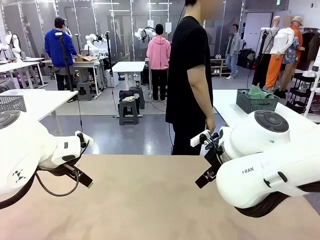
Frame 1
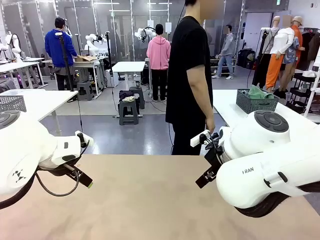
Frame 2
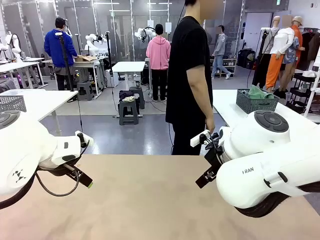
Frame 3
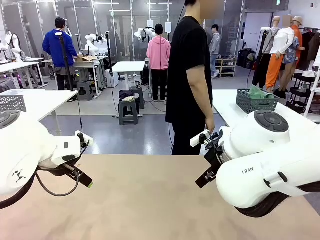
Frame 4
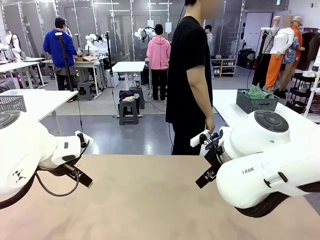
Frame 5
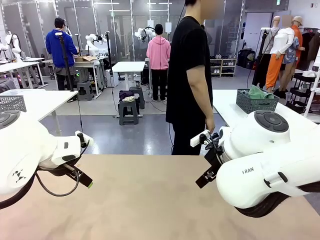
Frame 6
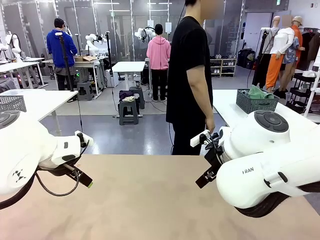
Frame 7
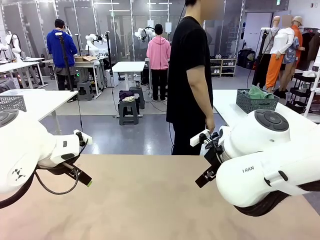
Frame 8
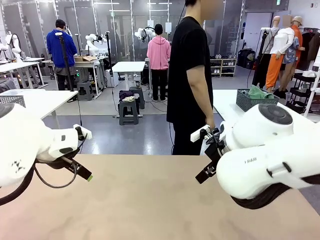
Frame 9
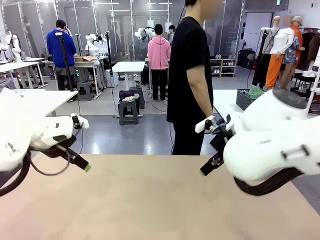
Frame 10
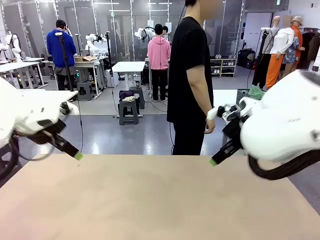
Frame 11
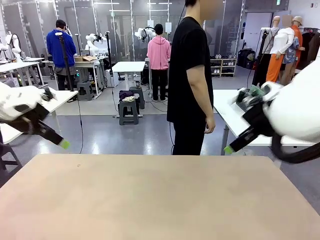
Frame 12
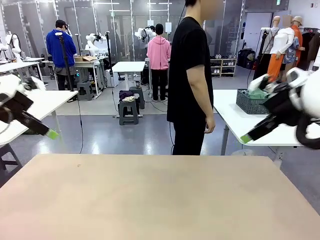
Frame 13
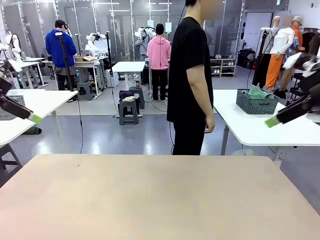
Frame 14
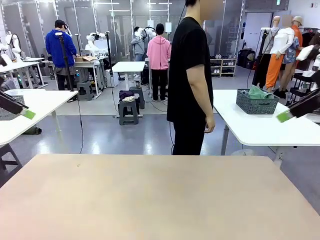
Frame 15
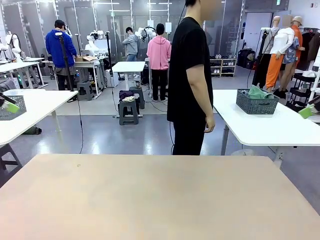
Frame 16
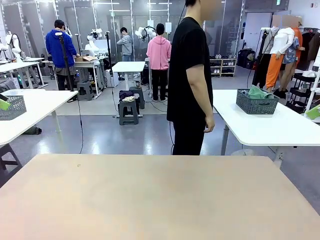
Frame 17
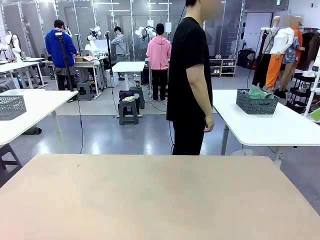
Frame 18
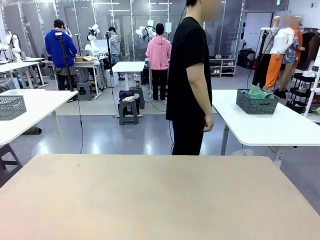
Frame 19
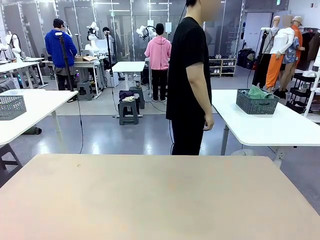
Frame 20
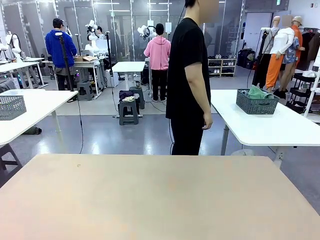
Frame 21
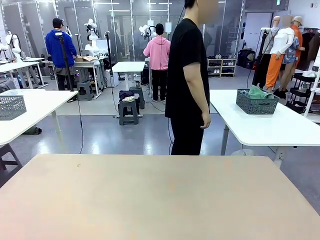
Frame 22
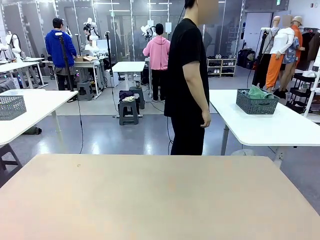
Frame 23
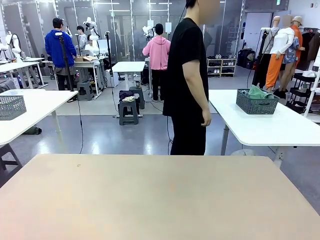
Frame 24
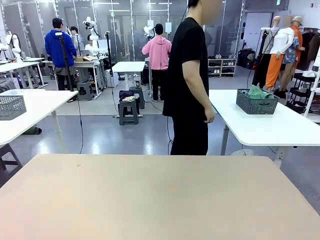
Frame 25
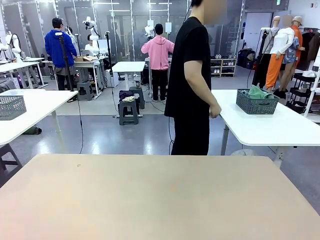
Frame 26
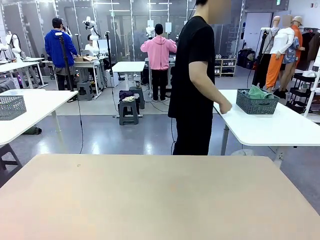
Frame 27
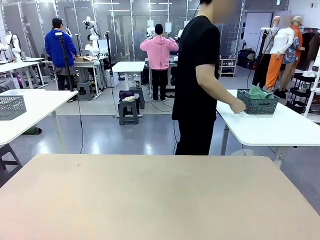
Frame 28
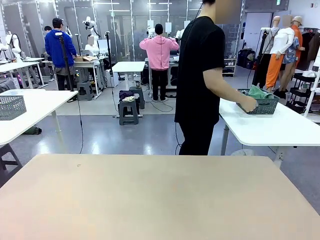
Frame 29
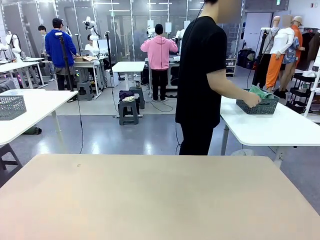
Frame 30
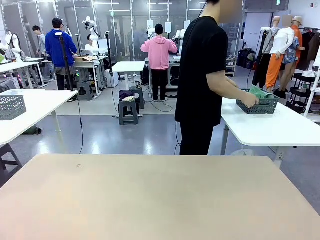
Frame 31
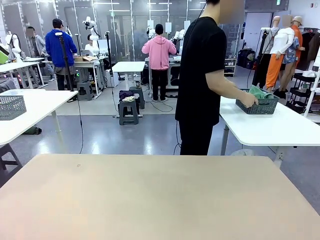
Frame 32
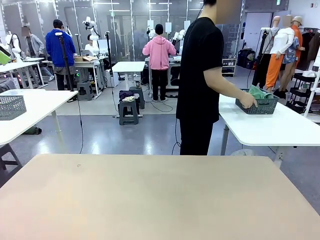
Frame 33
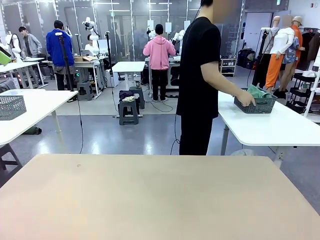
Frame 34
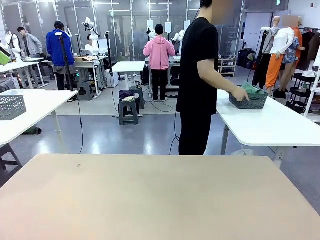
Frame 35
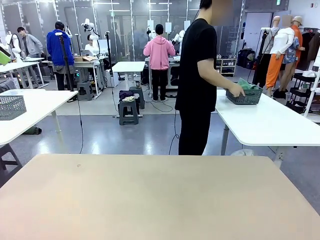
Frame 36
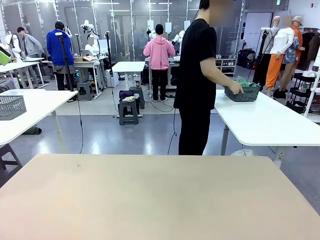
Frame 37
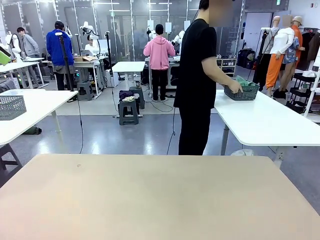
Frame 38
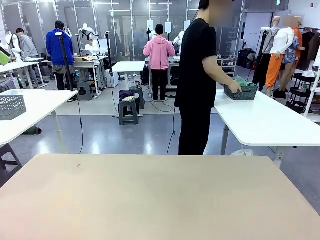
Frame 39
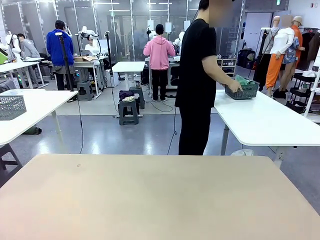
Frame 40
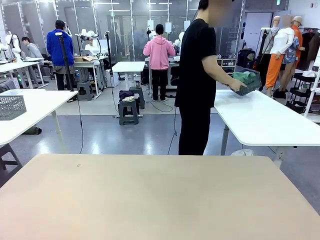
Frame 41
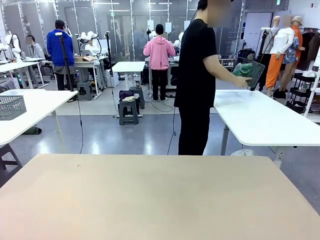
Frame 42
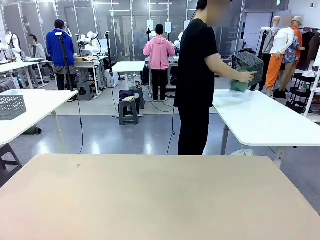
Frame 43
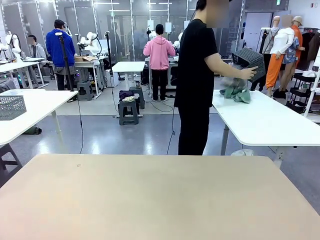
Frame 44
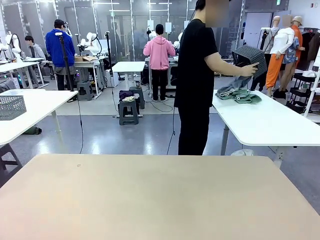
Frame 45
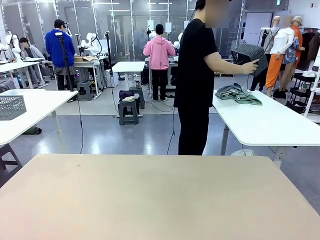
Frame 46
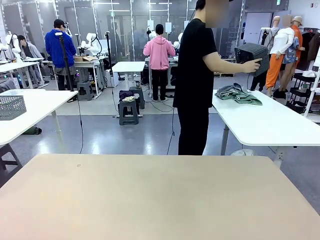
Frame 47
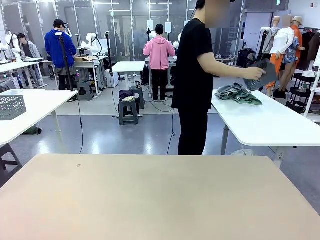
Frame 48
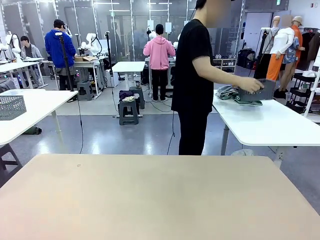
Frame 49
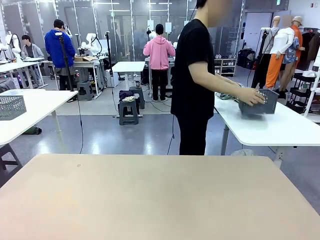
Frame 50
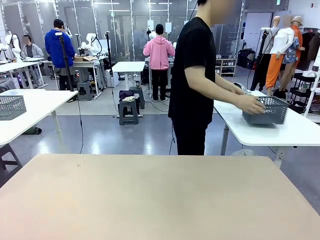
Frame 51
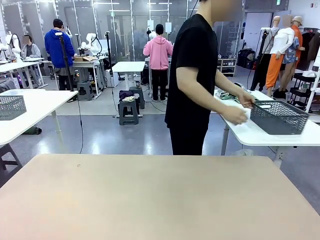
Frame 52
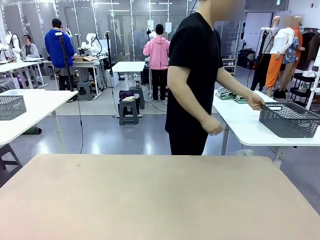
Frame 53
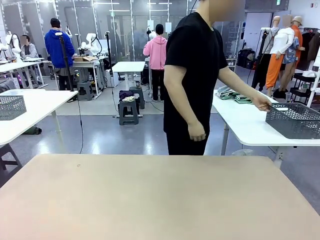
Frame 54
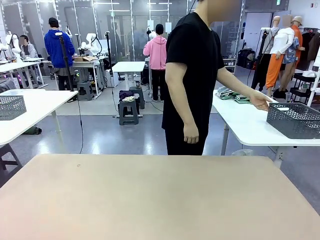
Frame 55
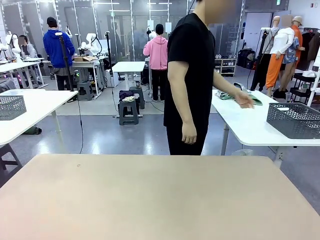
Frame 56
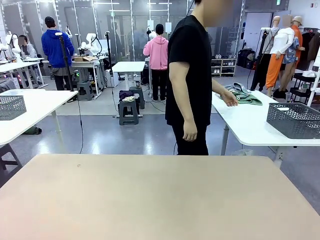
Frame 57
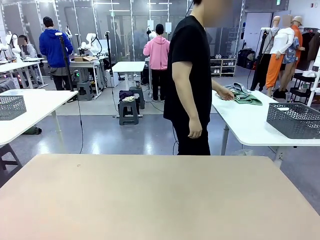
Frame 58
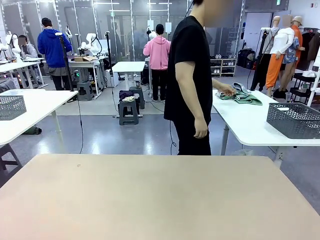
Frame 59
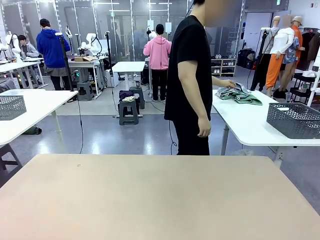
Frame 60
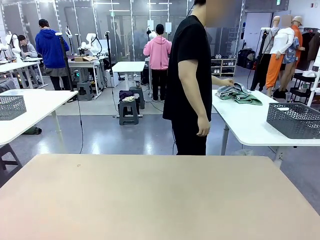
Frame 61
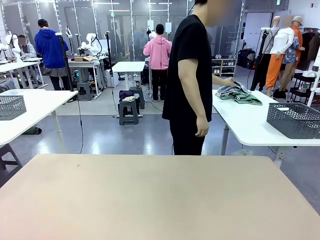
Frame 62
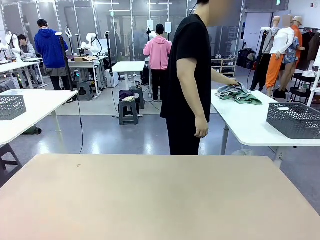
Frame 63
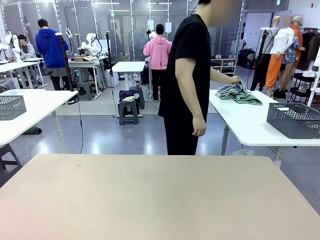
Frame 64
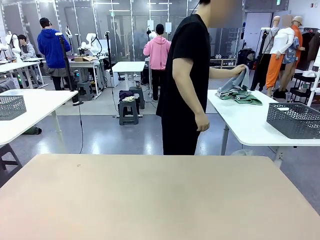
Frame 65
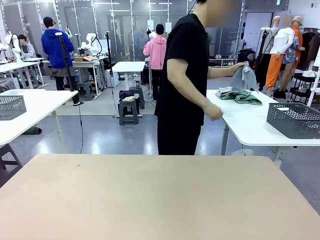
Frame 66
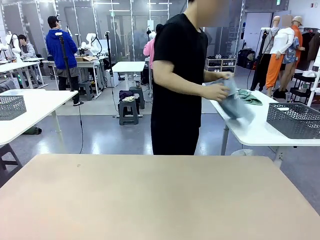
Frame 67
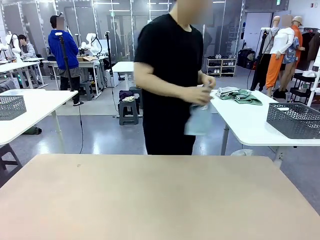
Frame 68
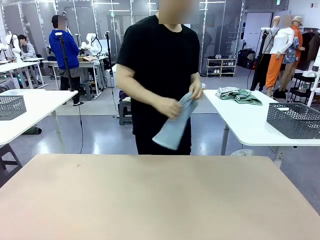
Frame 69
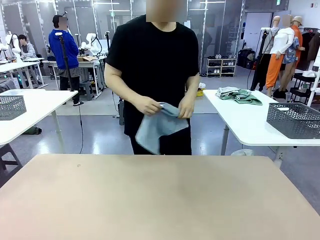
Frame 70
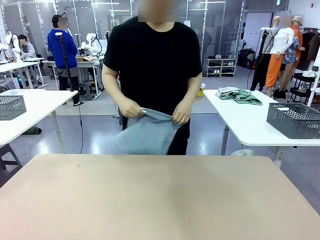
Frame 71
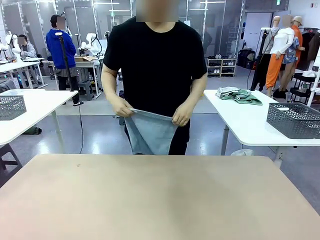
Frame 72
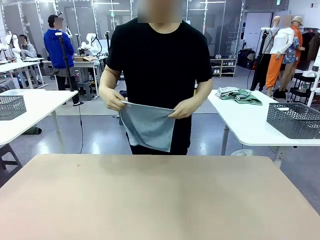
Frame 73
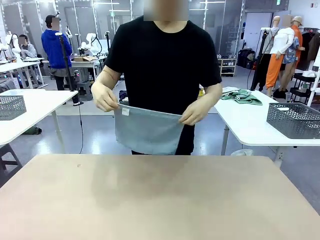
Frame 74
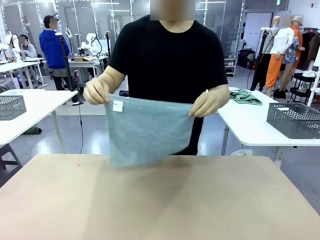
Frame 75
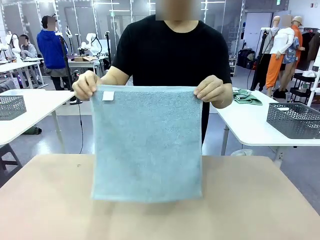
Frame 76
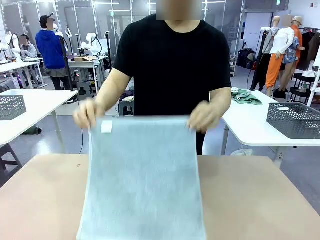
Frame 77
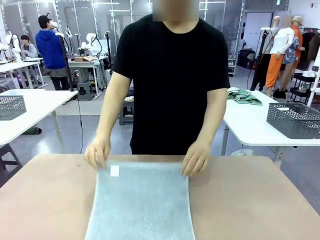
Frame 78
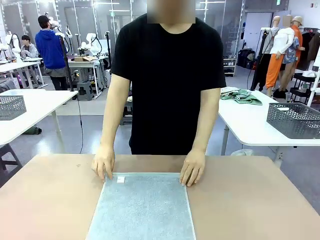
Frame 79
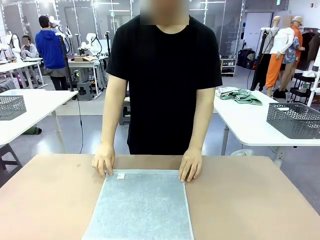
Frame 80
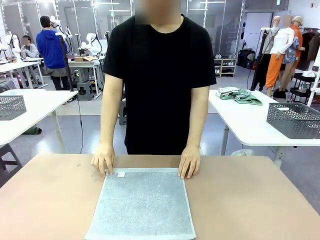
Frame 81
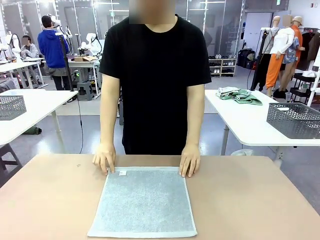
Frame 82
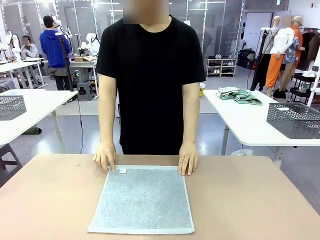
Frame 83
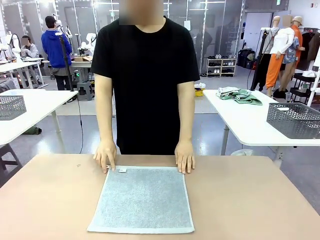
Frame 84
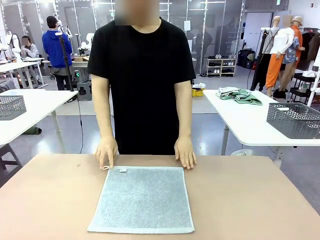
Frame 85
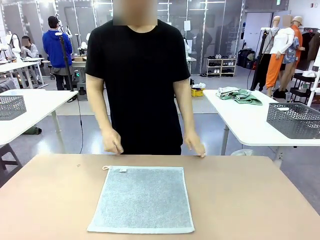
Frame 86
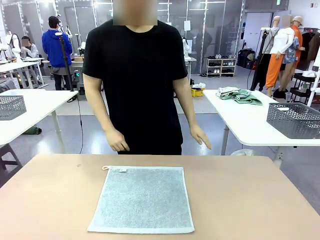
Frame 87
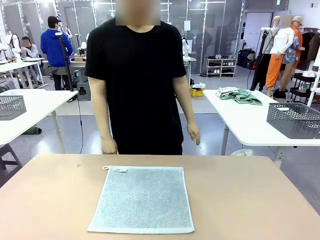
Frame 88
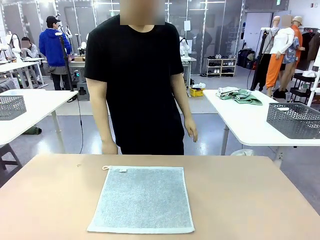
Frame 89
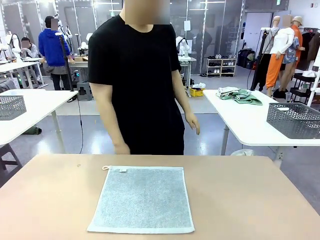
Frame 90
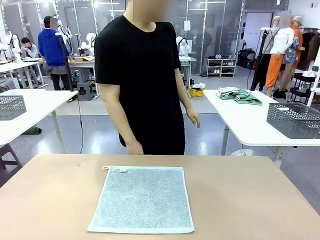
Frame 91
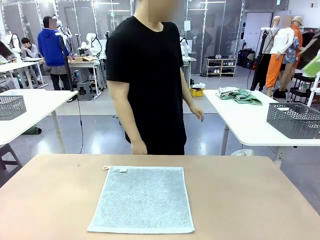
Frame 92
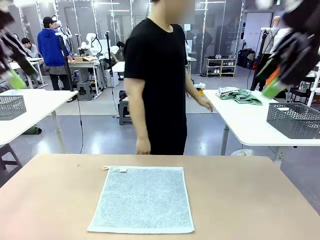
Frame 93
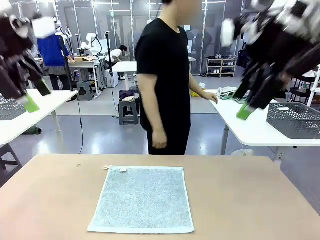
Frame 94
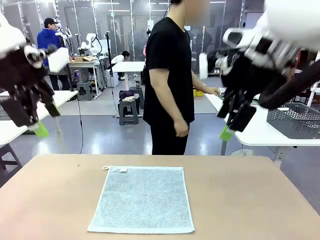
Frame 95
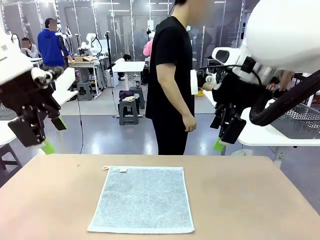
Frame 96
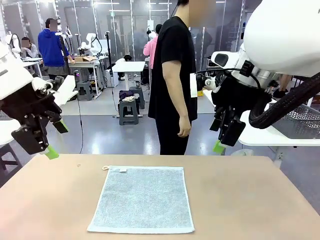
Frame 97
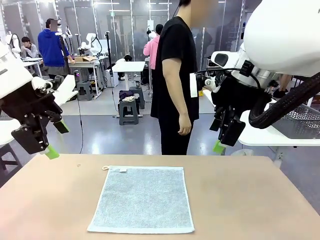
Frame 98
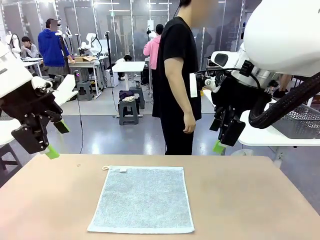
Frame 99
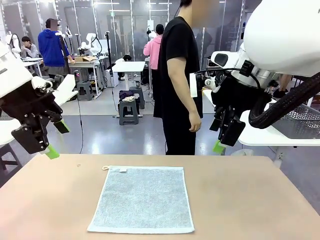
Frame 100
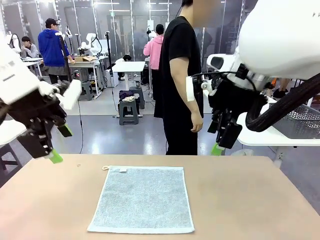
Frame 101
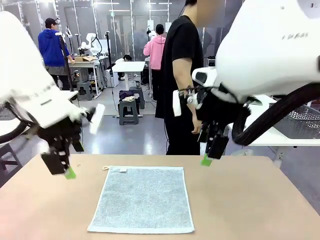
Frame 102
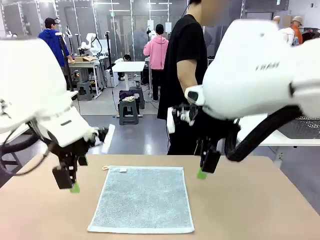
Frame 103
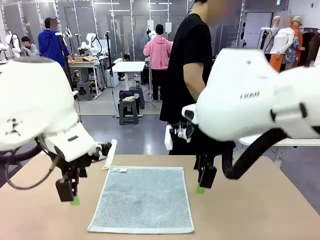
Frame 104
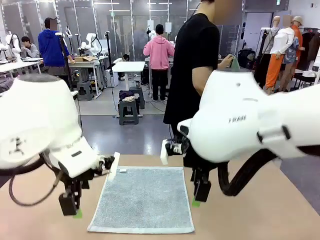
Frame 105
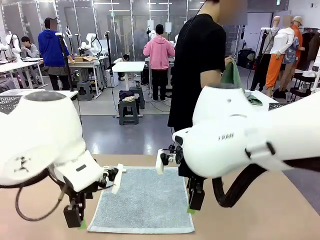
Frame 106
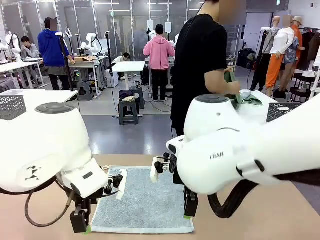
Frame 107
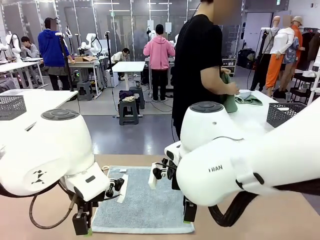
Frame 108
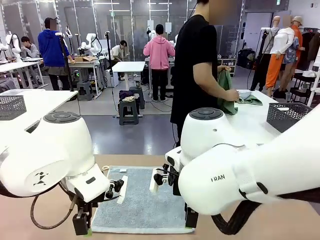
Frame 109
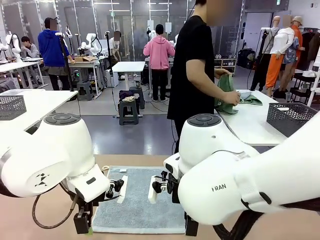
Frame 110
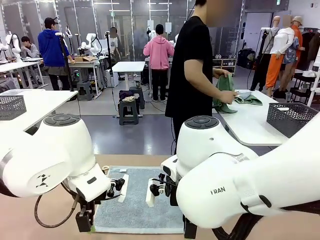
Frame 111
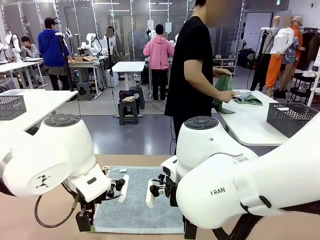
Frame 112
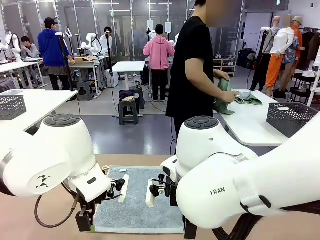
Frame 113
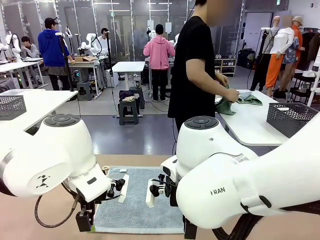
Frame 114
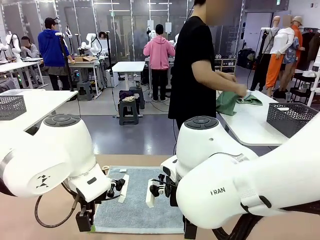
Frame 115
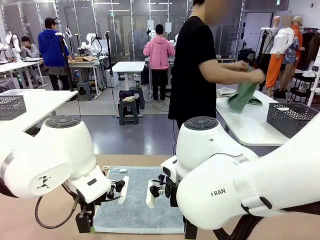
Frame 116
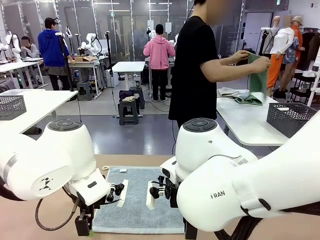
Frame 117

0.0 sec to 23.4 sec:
Task: Fold the towels and place them in the basket.
Robot: When a person lays out a Towel with hook on the table, fold it in half twice.
Person: Pick up the basket, pour the towels onto the left side of the human table, and place the basket on the right side. Pick up one towel and spread it out at the center of the robot table.
